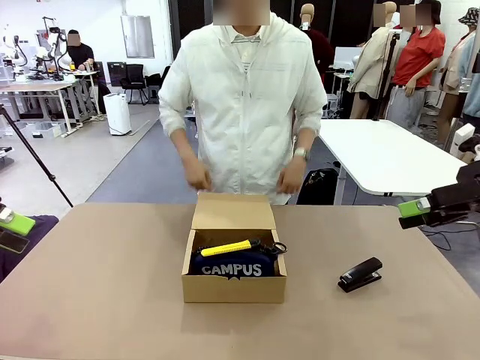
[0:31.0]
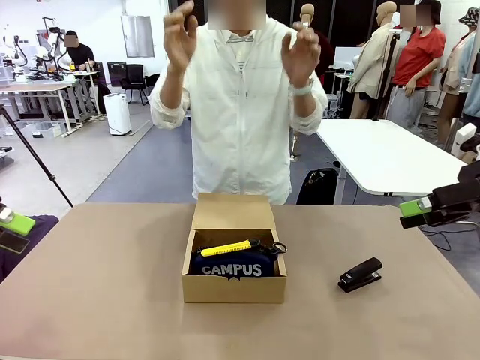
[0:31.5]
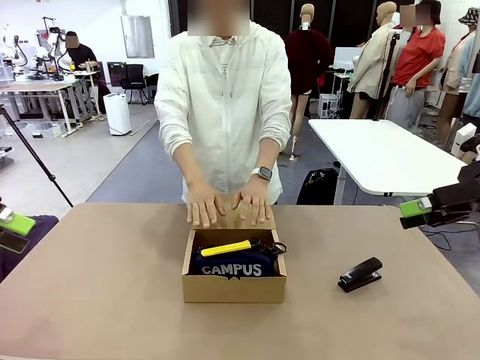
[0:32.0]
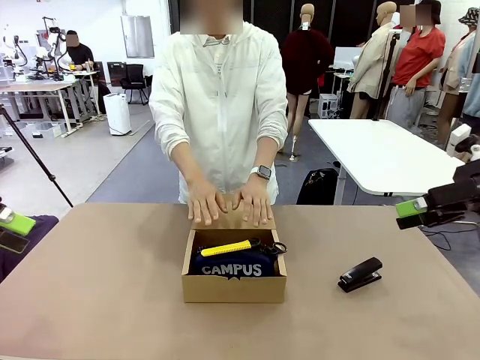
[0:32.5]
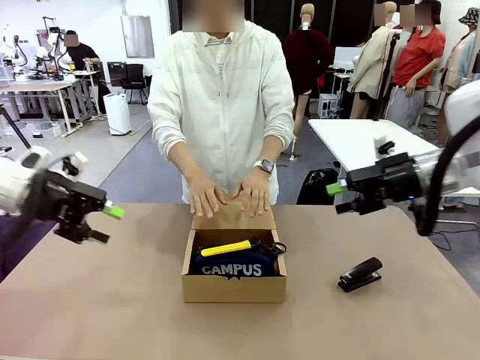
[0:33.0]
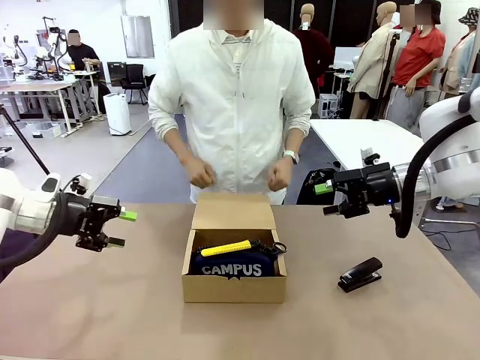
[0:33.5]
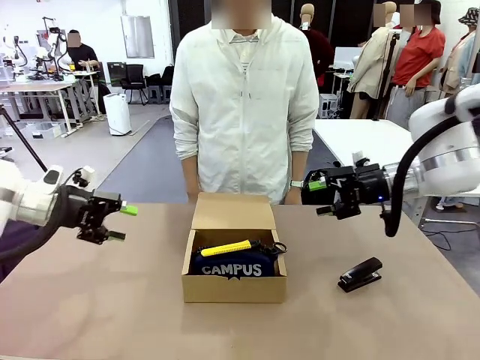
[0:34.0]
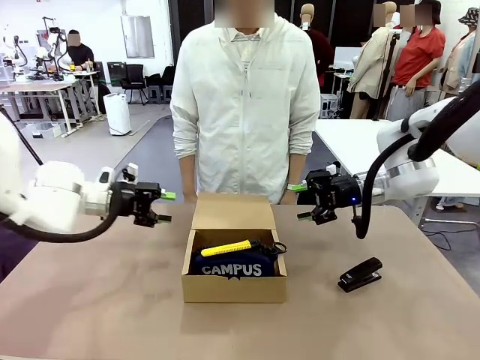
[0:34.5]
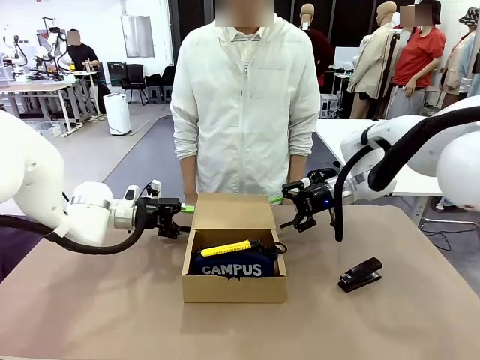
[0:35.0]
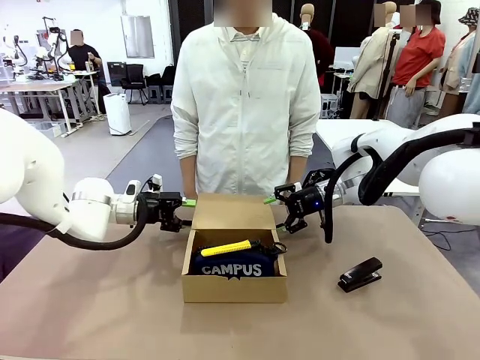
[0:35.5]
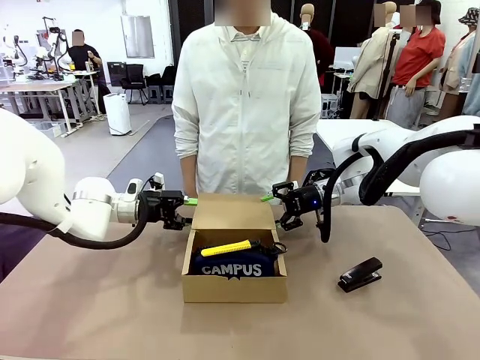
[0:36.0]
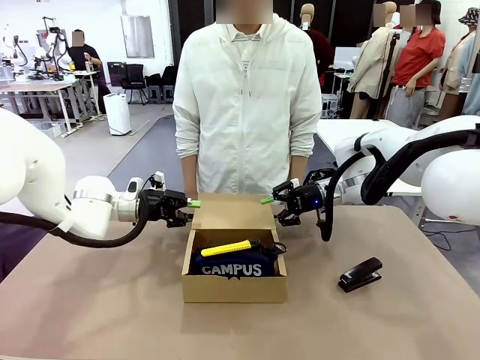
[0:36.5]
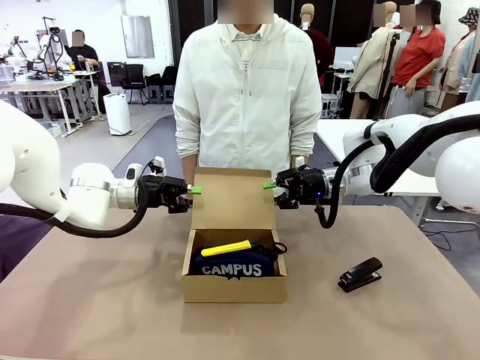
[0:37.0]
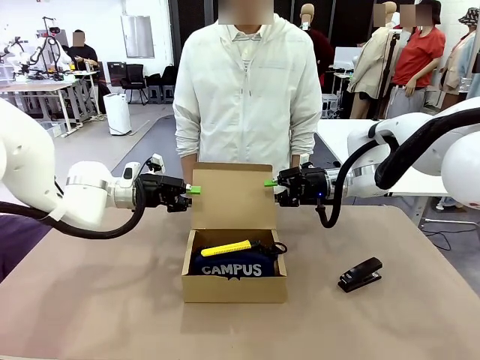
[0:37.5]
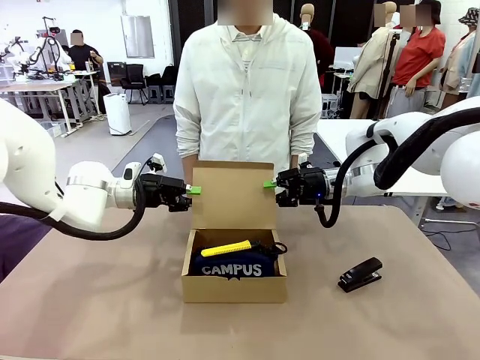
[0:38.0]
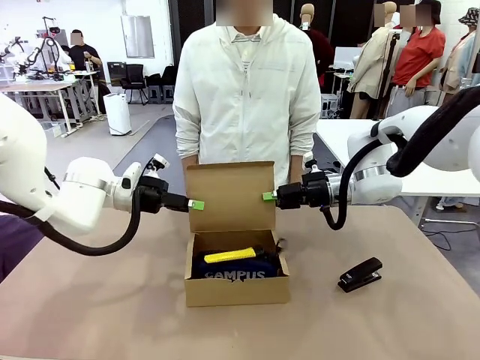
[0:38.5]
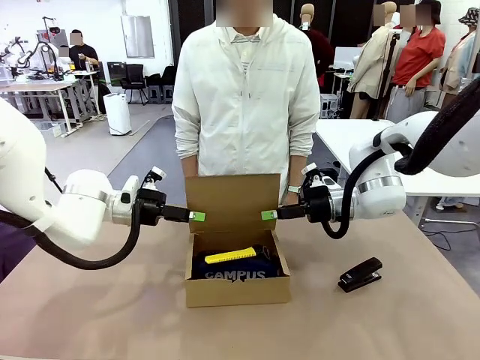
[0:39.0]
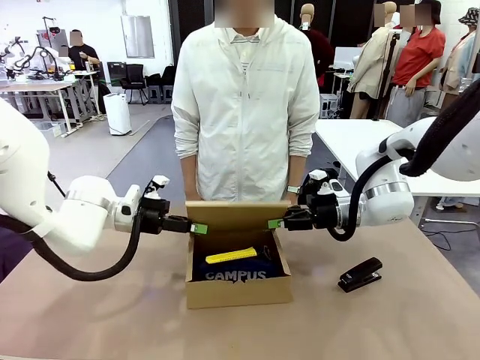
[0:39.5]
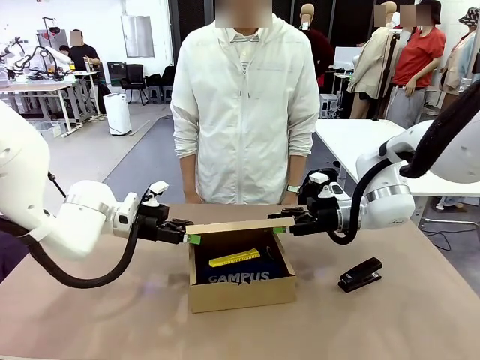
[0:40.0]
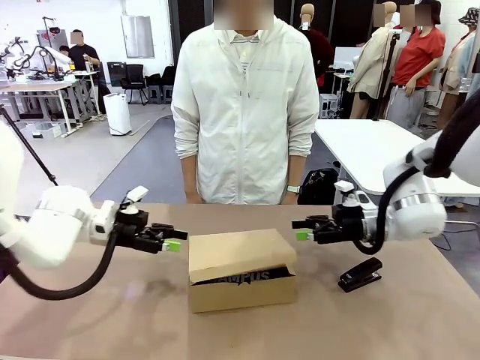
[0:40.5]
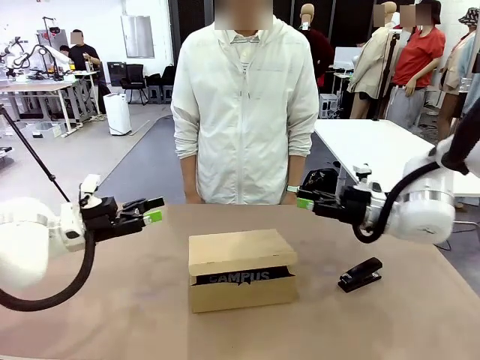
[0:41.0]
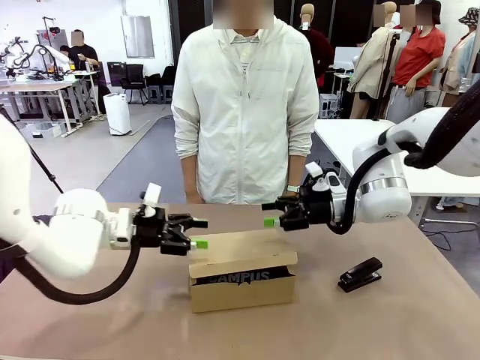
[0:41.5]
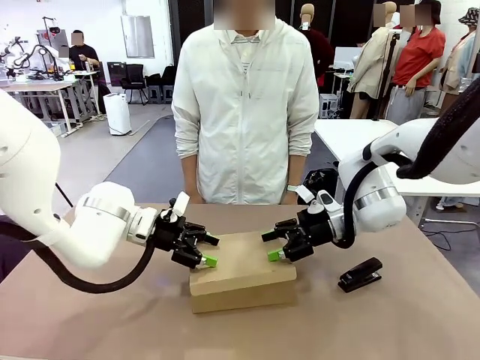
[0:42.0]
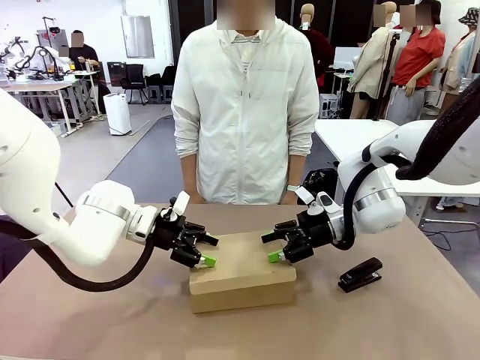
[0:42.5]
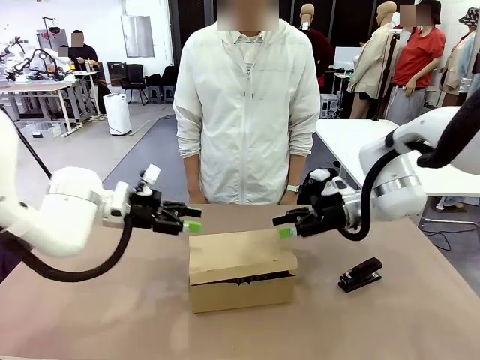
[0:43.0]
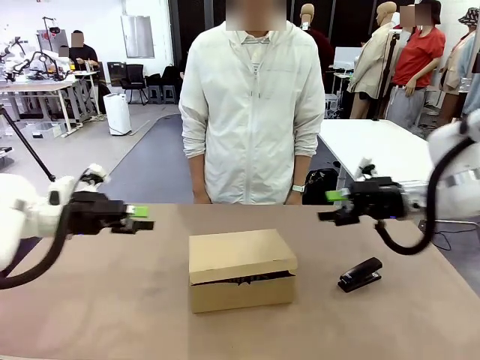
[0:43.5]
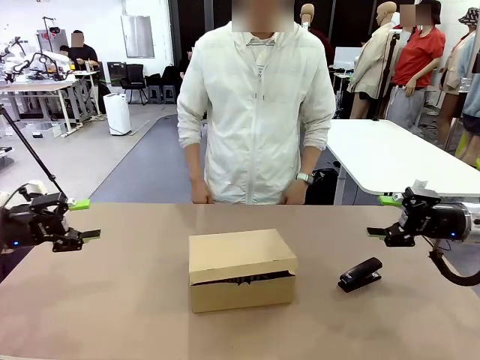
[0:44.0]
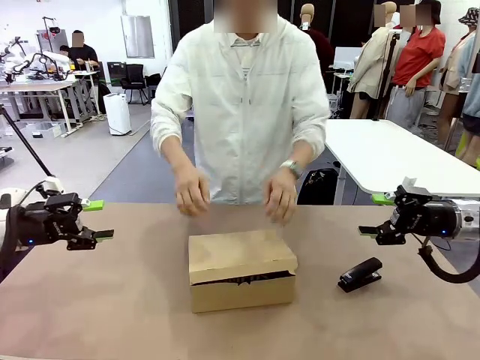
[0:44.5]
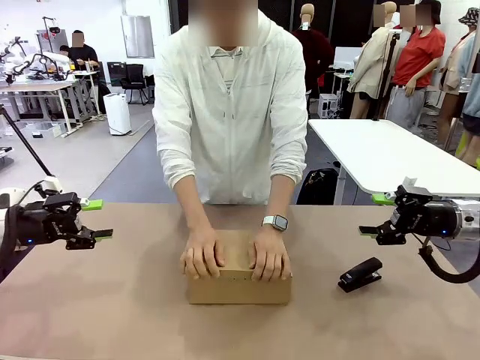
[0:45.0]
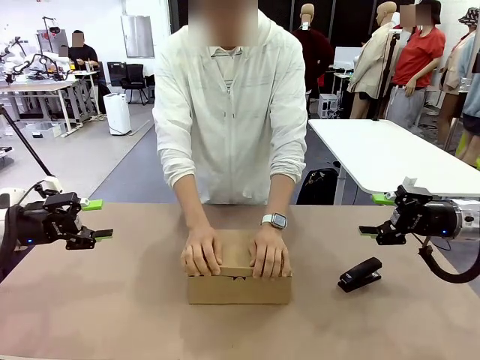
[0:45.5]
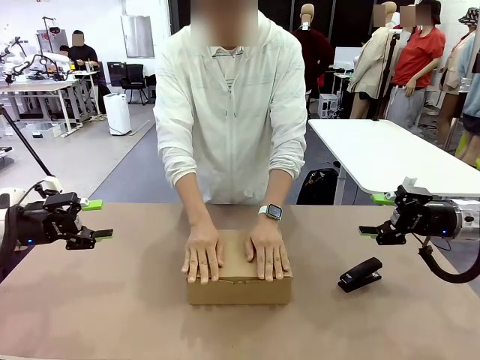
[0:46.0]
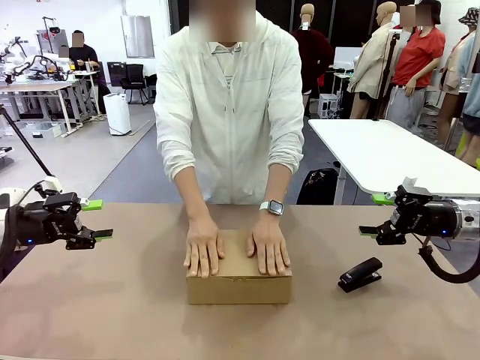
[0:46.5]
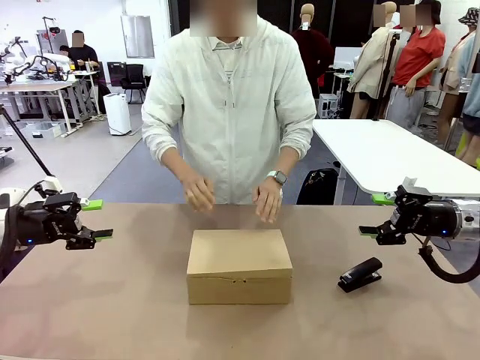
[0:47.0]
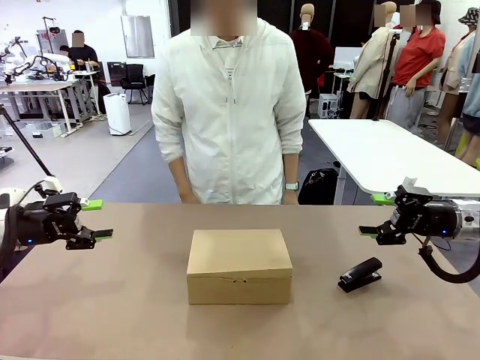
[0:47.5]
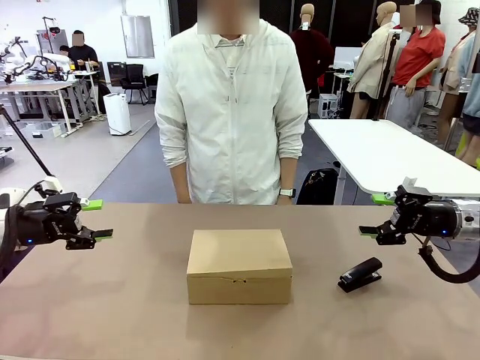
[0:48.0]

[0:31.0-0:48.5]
Task: Pack the items into the box.
Robot: Close the Mailer Box.
Person: Turn the box and lock it.

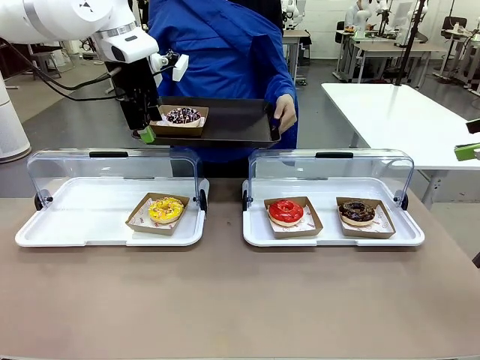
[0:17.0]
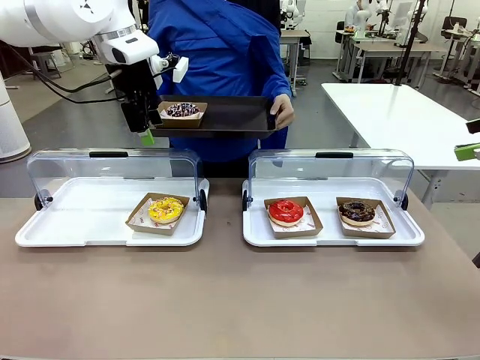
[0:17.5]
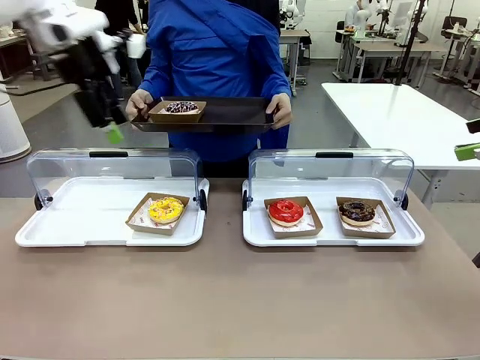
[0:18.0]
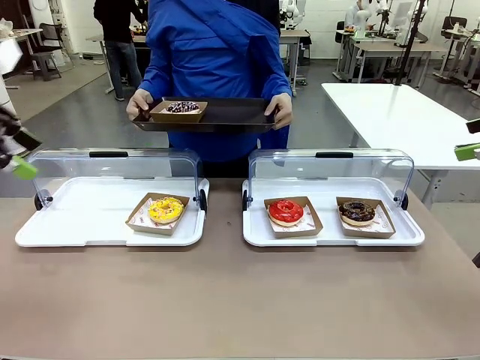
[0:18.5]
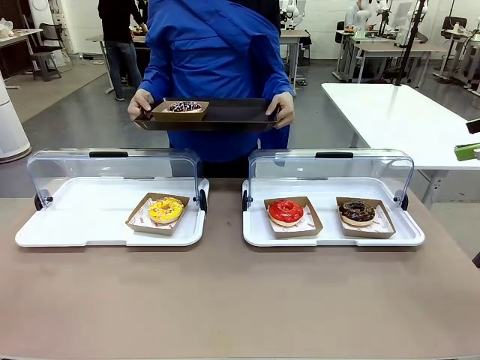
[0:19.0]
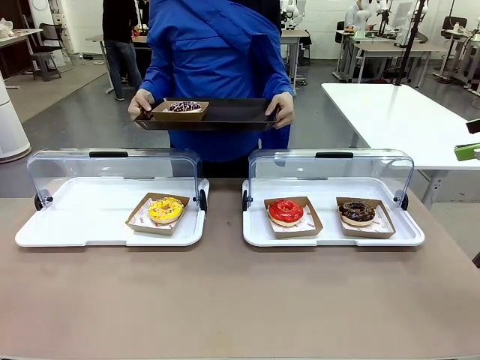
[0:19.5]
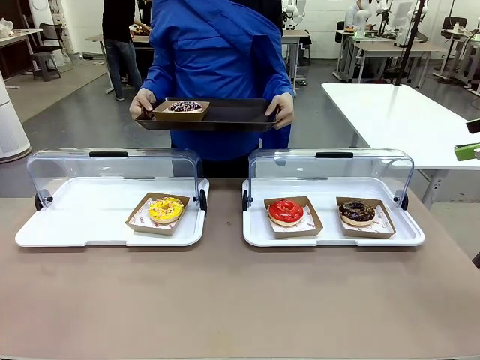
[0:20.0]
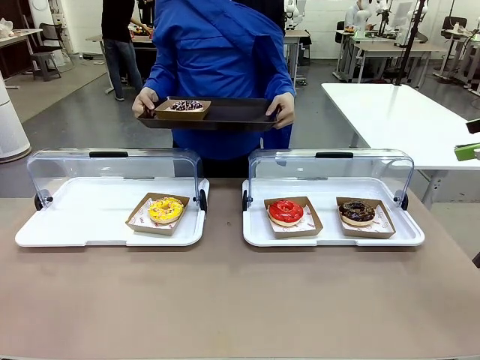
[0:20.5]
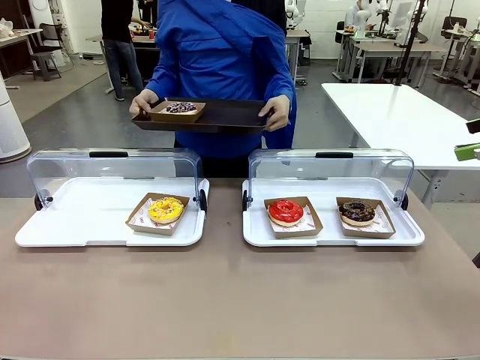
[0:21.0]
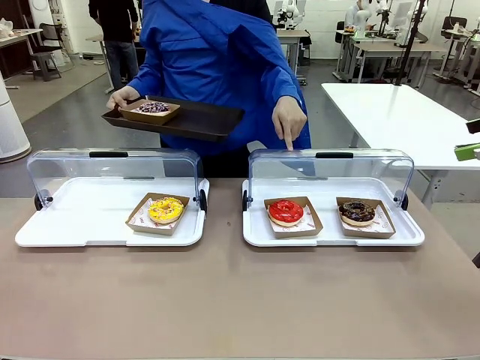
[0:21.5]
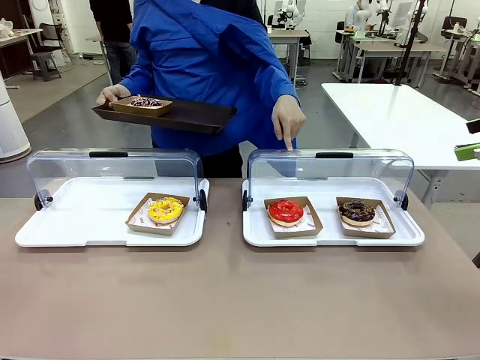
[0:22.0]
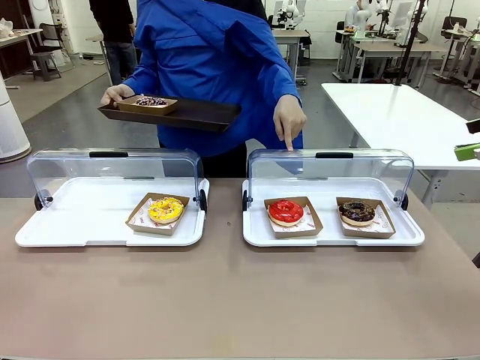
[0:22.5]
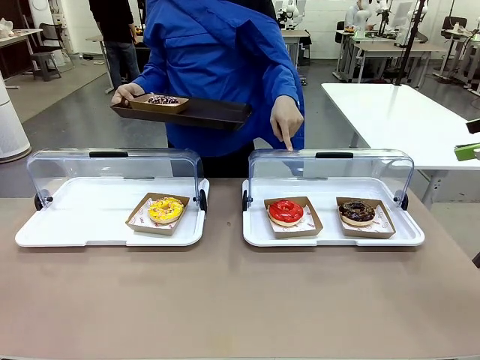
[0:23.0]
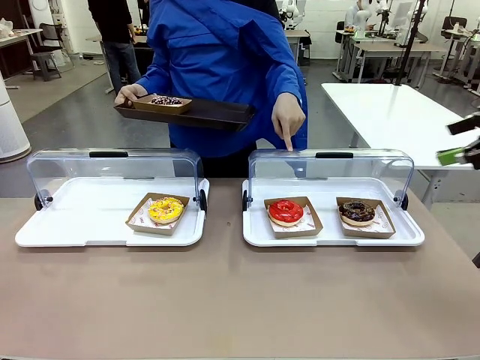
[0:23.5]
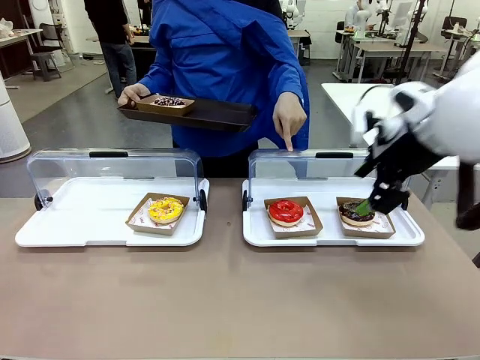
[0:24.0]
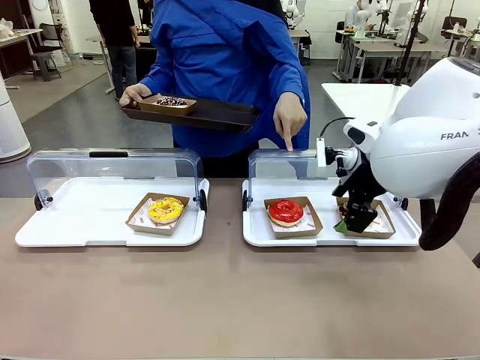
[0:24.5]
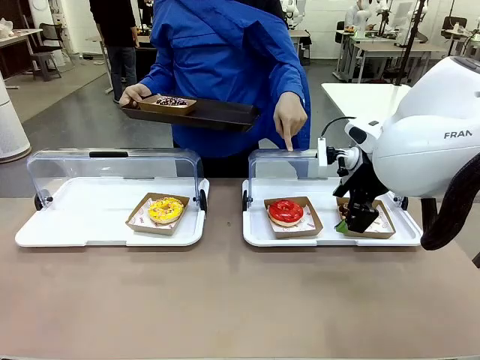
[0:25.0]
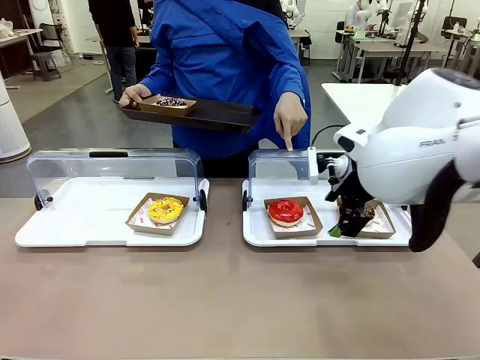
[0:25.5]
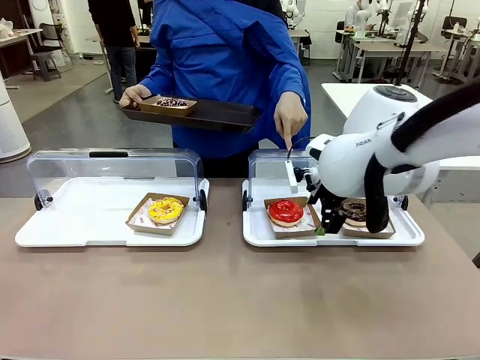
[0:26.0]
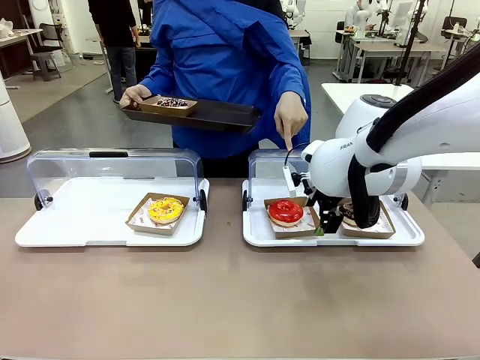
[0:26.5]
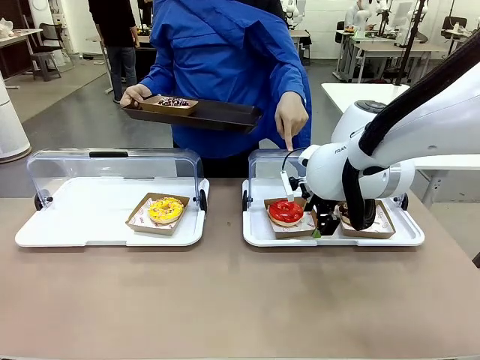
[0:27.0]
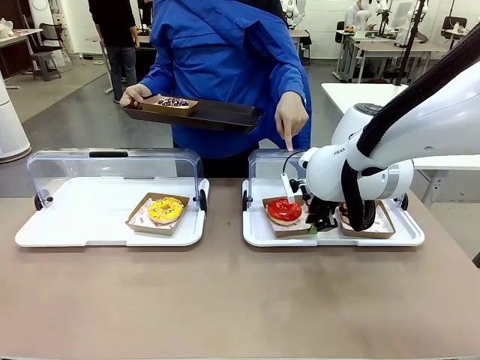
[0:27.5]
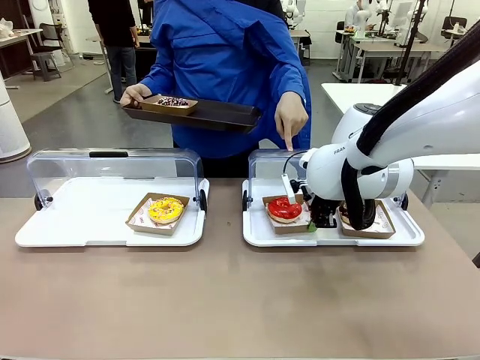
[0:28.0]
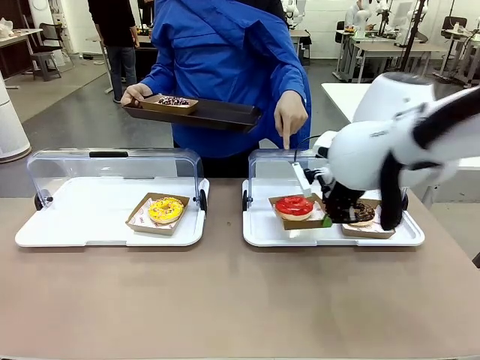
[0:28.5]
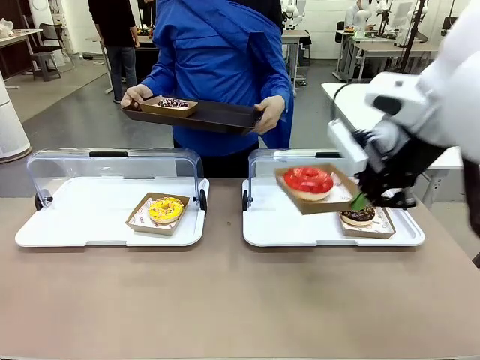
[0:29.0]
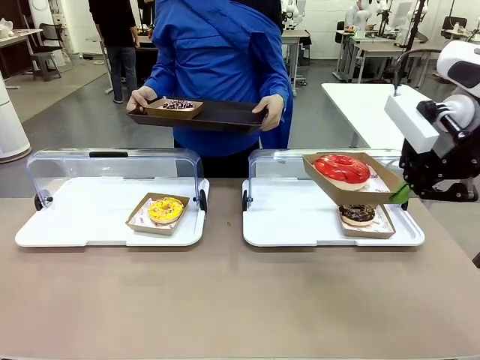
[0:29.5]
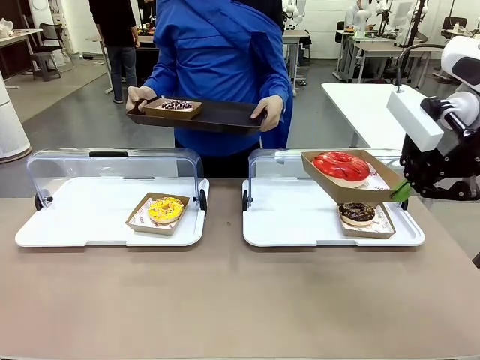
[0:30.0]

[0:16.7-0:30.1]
Task: Provide the desired donut to the person.
Robot: Pick up and lift the Paper togo box containing the Donut pointed at by the person.
Person: Point to one donut. Lift the tray onto the Roll-Top Bakery Case.
